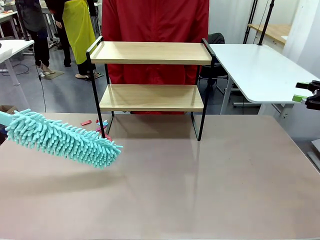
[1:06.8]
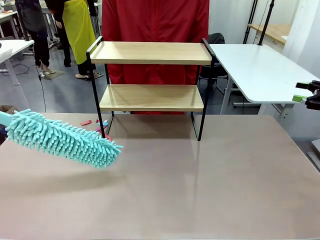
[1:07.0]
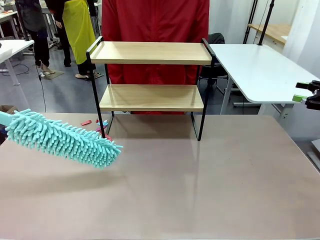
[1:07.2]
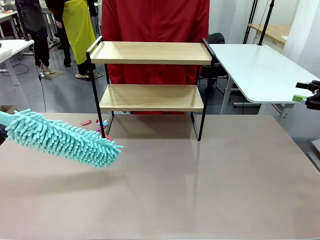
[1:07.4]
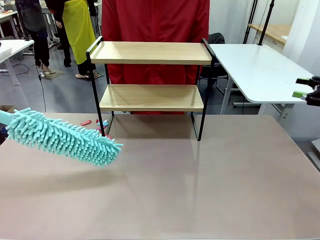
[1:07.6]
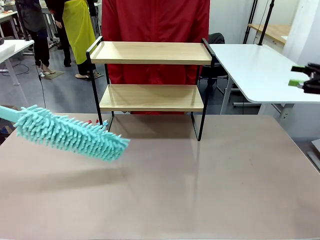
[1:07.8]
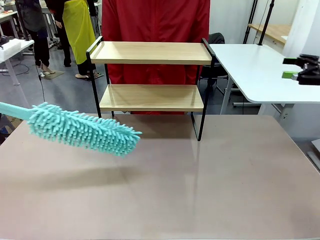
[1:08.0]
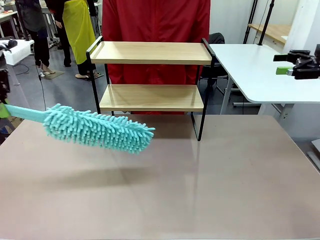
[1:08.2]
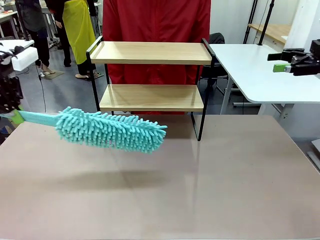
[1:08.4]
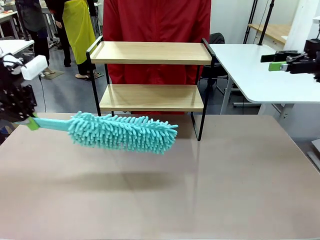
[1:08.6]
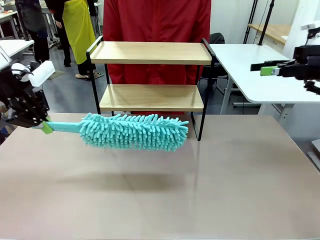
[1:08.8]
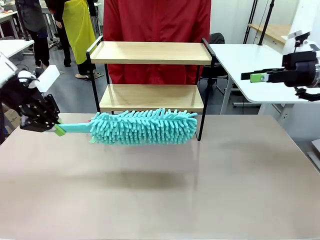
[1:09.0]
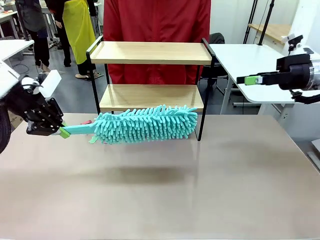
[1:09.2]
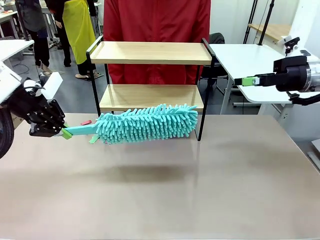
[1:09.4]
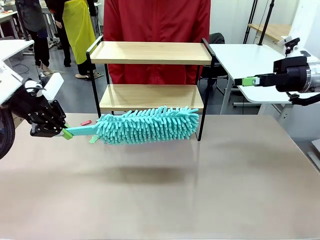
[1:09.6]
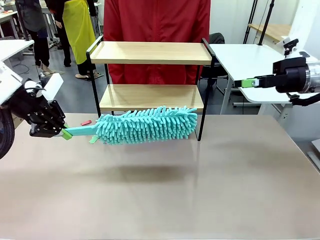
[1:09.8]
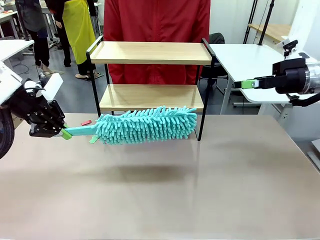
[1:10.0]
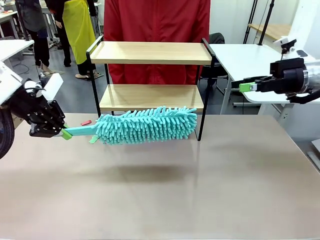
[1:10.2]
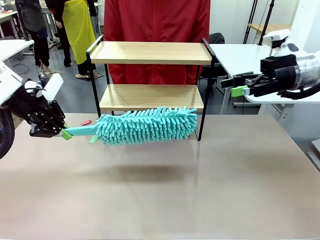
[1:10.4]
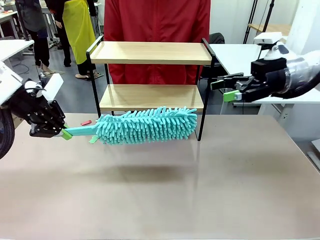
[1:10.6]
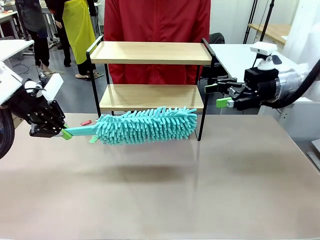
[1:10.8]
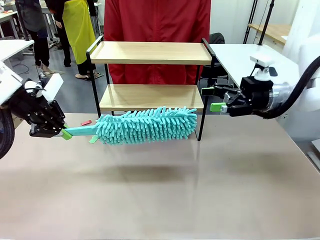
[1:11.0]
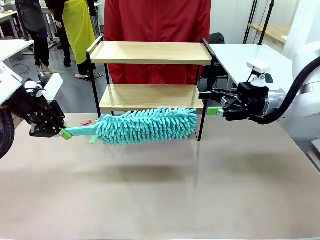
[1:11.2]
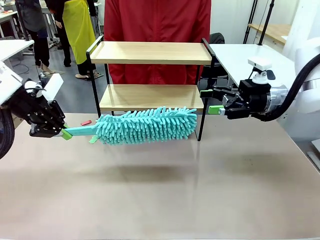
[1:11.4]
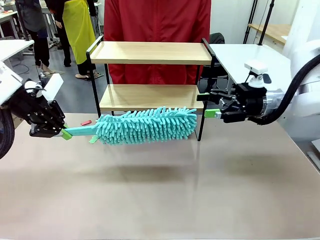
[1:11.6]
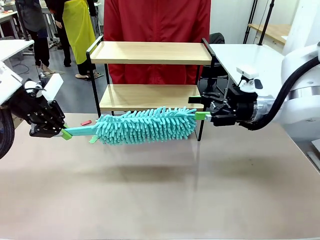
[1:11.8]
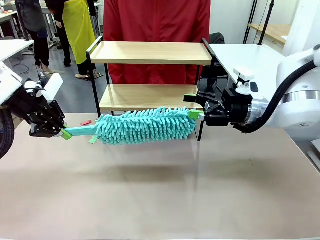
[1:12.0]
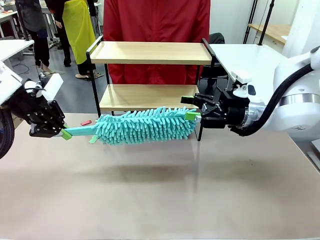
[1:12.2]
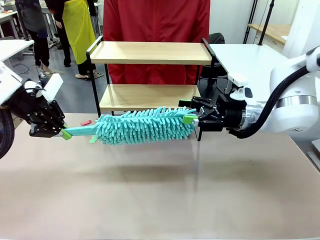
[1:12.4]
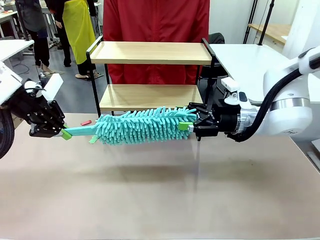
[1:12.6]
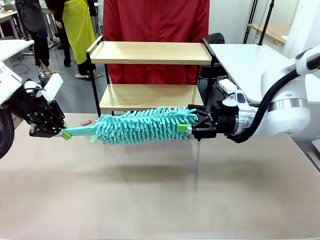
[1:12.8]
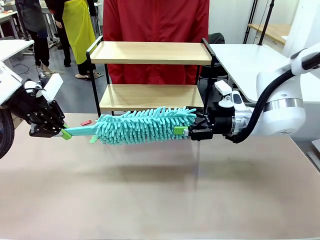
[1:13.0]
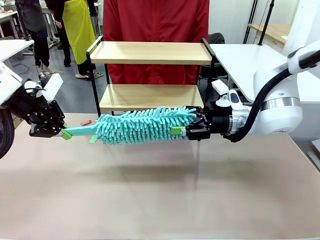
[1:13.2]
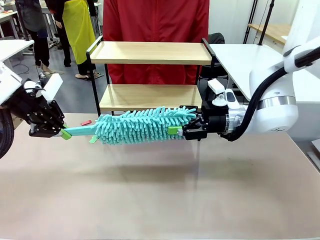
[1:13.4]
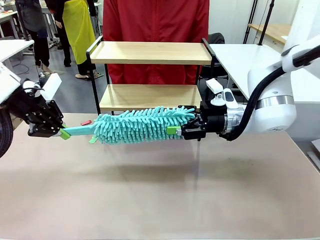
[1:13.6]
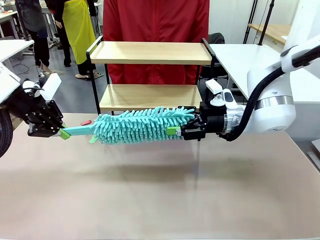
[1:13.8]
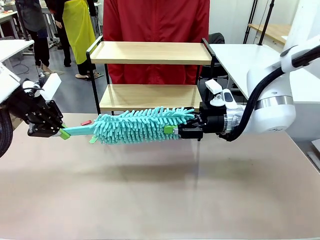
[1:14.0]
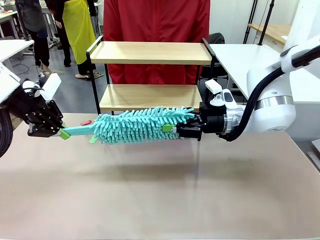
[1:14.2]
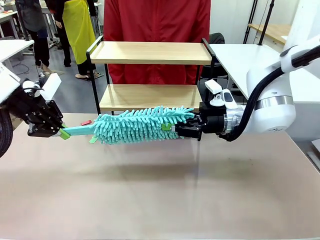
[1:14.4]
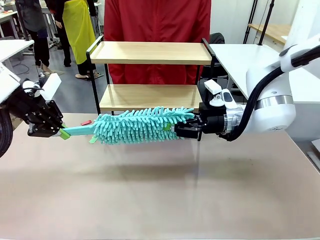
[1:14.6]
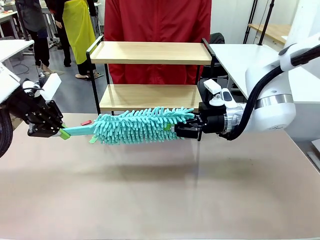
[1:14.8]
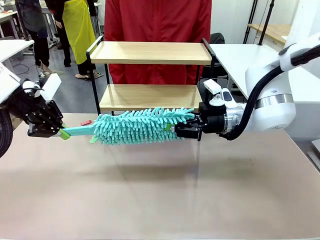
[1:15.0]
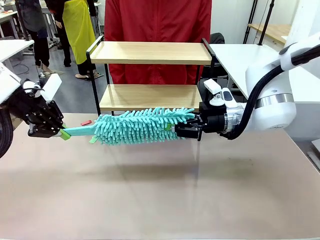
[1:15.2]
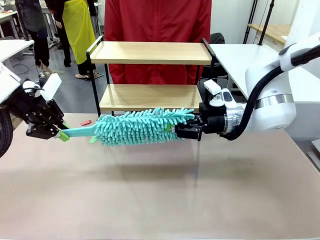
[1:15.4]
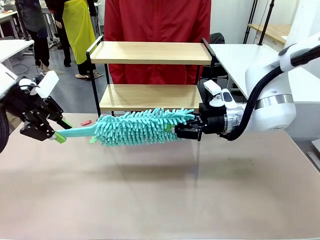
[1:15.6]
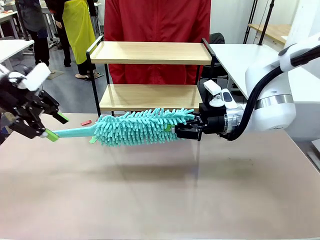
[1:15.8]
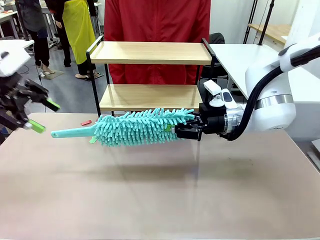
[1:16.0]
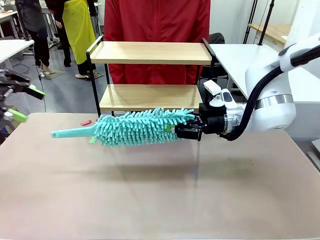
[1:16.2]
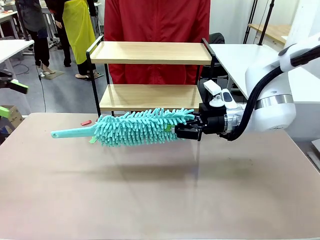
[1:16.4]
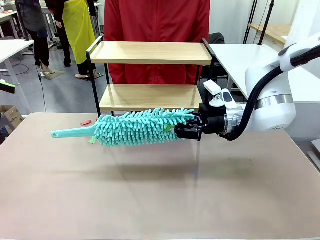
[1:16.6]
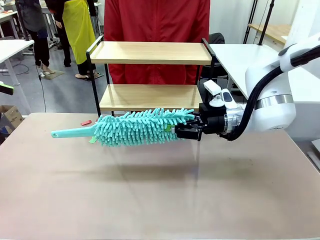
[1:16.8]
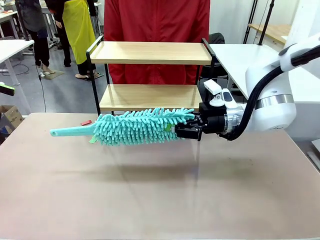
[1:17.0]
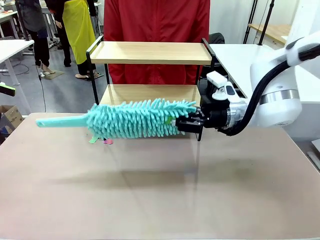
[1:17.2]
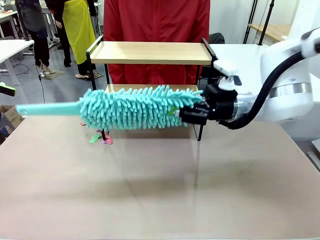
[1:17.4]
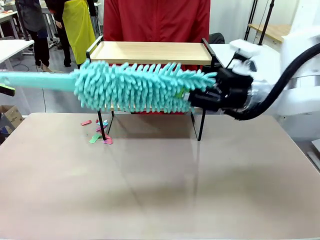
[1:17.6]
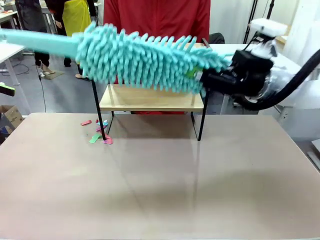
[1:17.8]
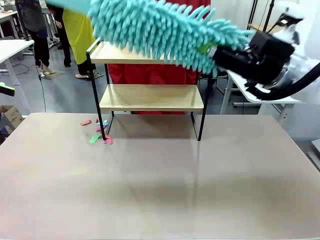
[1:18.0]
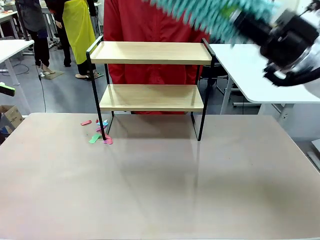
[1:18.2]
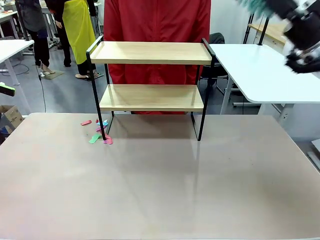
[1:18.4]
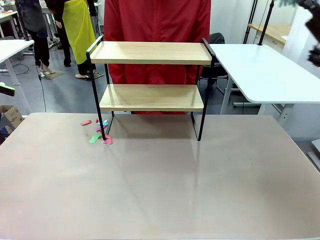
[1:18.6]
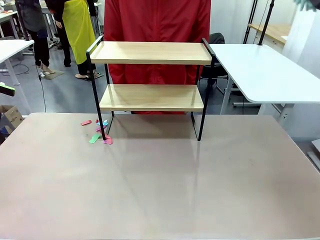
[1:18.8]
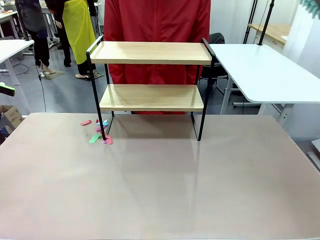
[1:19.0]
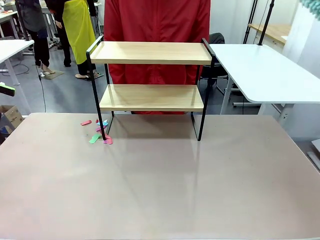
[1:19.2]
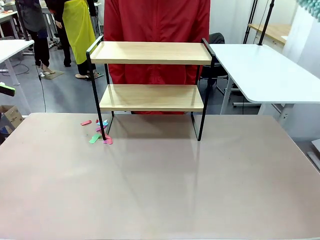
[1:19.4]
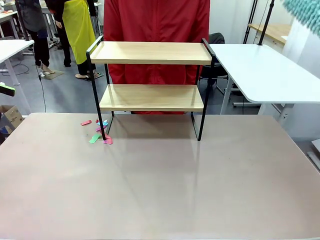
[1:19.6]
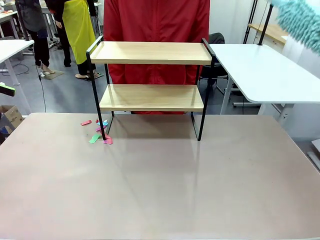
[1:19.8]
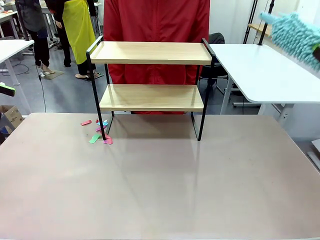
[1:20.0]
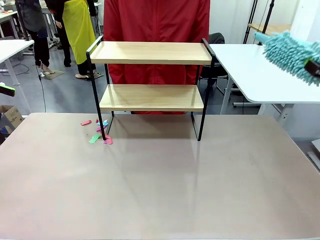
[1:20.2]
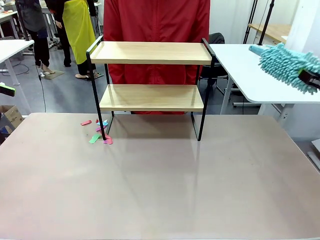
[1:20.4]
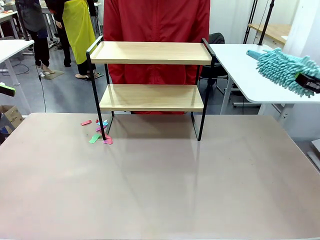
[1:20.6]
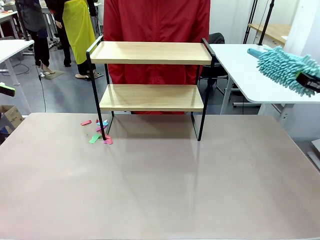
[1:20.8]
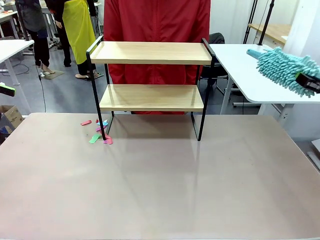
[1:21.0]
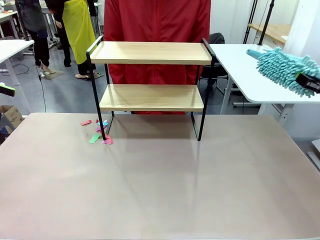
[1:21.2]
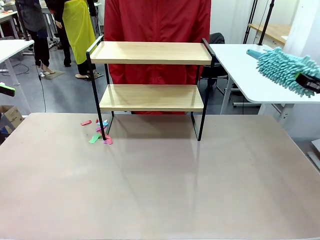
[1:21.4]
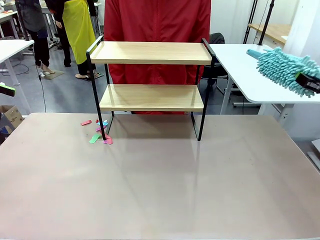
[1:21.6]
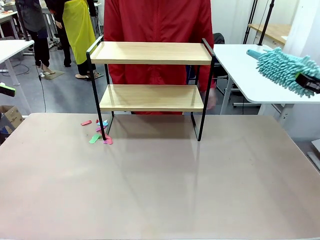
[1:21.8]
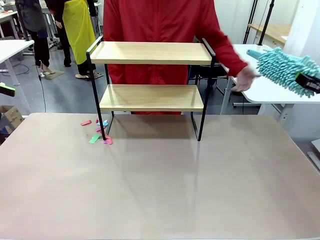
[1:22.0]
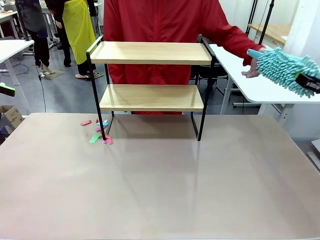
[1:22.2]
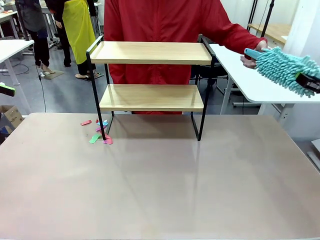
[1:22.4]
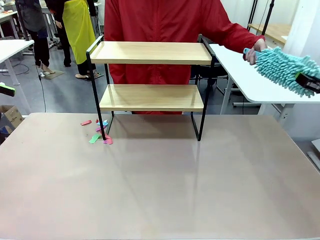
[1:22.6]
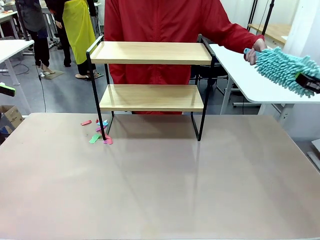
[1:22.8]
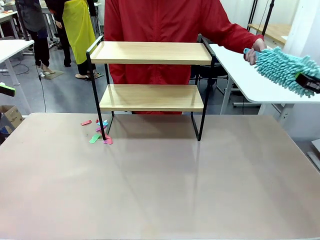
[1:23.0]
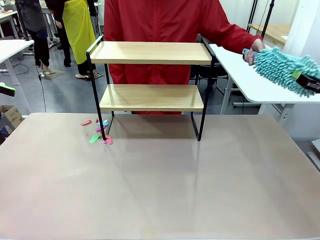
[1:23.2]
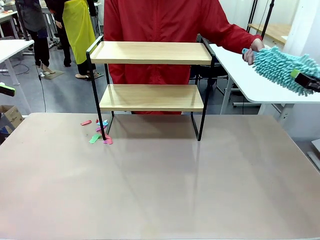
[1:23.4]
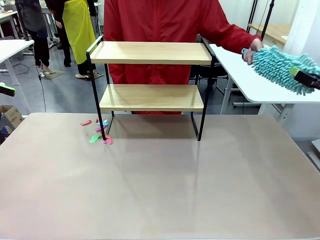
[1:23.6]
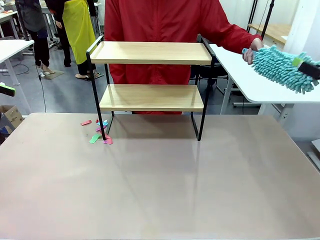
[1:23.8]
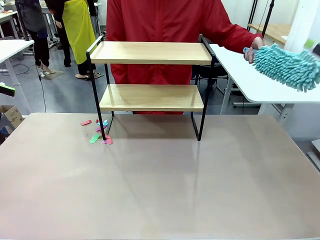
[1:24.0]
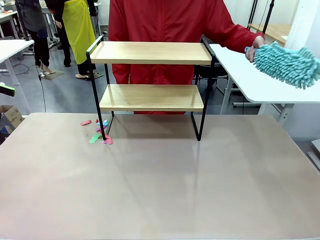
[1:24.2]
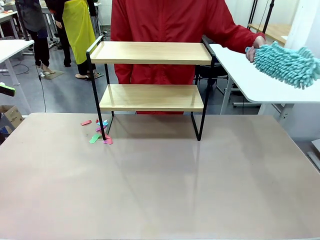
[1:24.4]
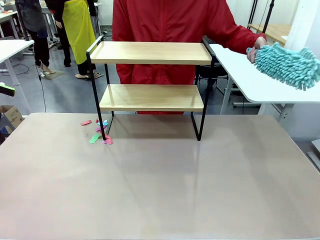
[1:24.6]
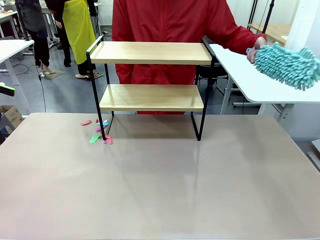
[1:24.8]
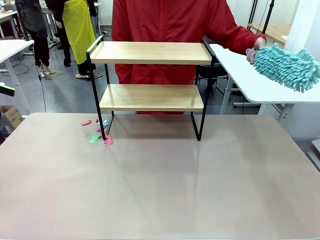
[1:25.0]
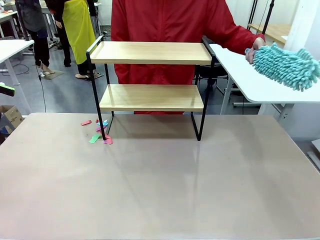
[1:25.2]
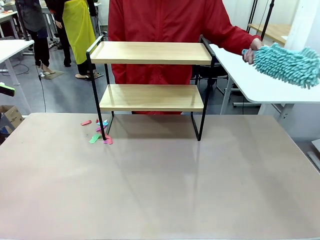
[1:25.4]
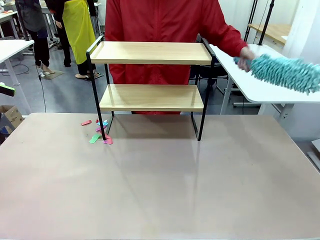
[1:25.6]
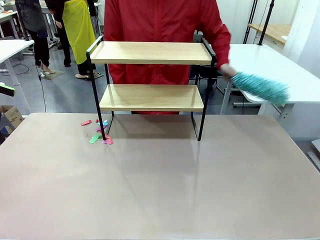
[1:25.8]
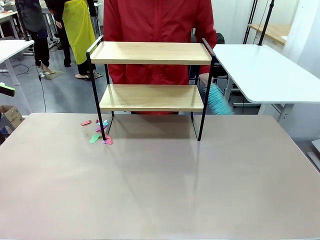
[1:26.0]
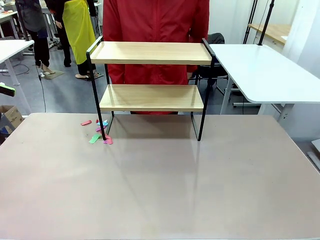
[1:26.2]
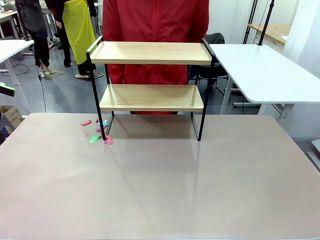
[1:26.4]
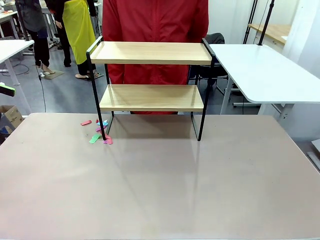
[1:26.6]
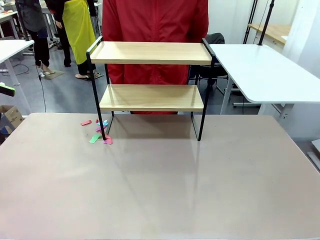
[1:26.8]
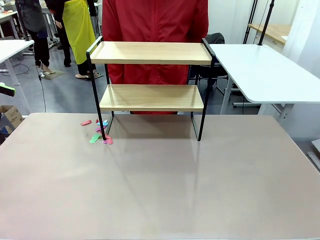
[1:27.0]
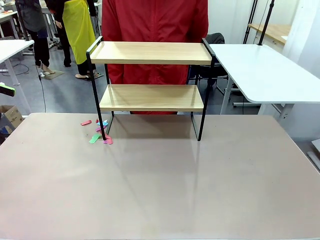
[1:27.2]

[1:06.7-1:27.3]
Task: Clean the shelf.
Robot: Hand the Duster back to the human.
Person: Receive the Duster from the robot.
